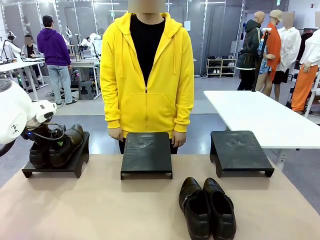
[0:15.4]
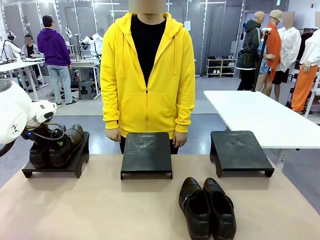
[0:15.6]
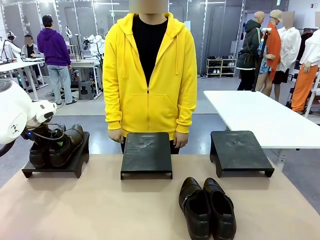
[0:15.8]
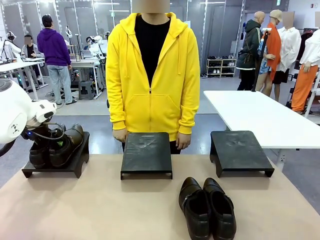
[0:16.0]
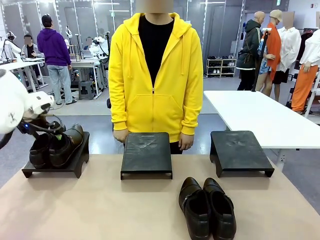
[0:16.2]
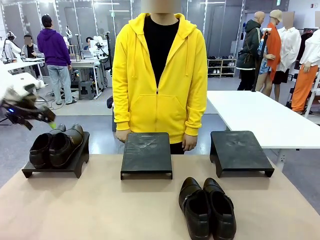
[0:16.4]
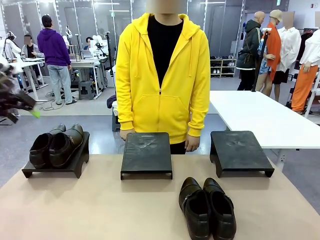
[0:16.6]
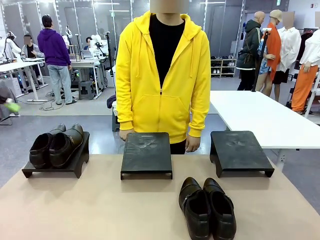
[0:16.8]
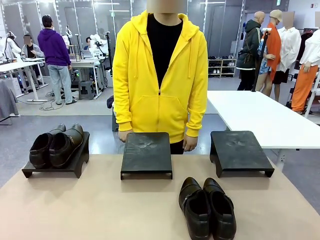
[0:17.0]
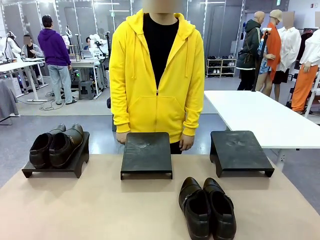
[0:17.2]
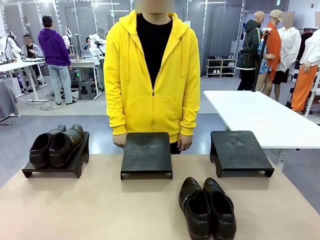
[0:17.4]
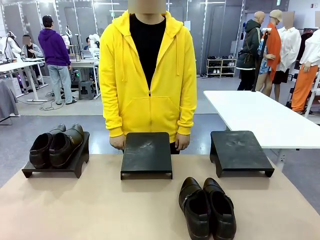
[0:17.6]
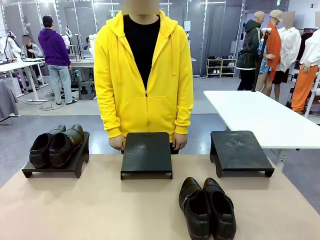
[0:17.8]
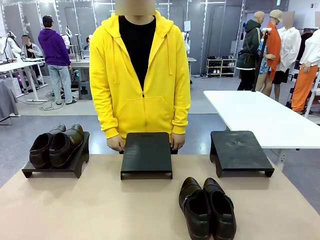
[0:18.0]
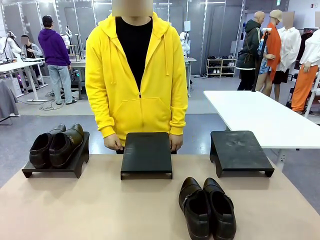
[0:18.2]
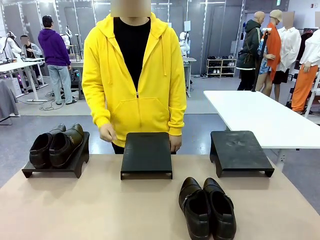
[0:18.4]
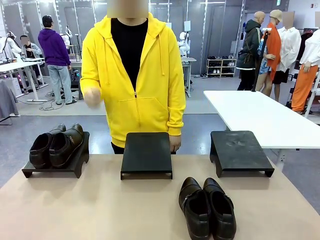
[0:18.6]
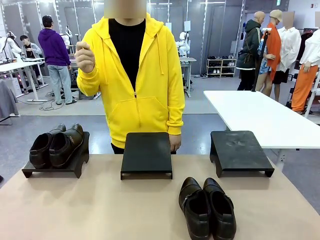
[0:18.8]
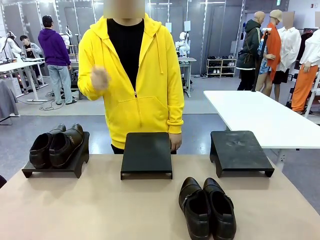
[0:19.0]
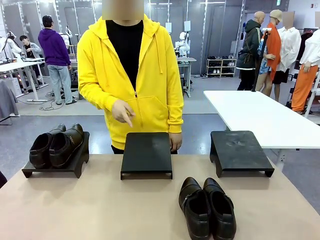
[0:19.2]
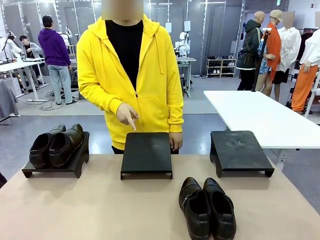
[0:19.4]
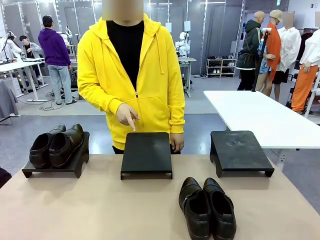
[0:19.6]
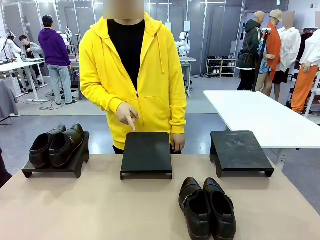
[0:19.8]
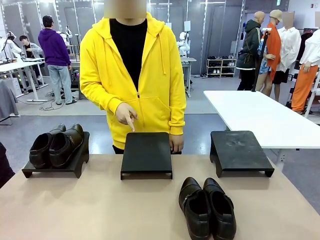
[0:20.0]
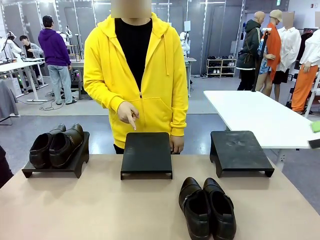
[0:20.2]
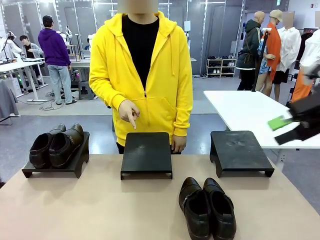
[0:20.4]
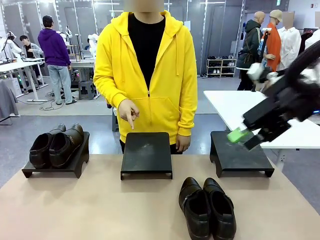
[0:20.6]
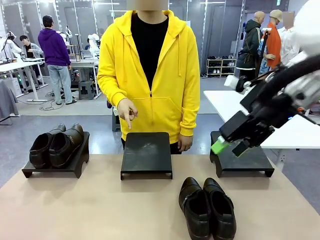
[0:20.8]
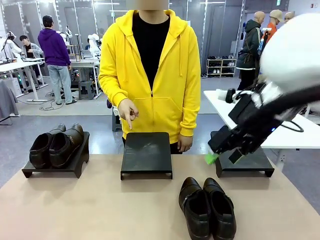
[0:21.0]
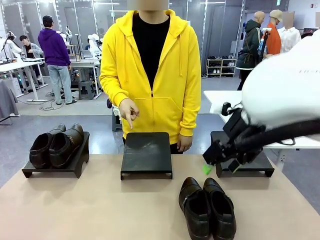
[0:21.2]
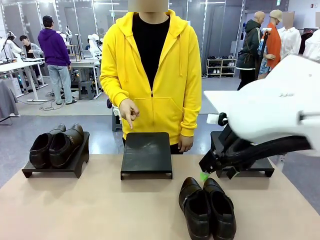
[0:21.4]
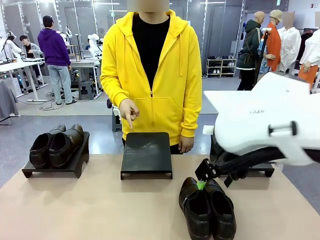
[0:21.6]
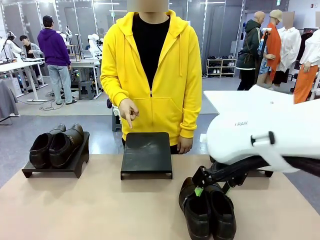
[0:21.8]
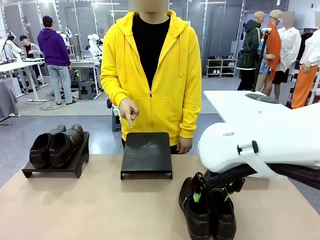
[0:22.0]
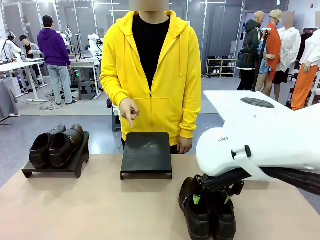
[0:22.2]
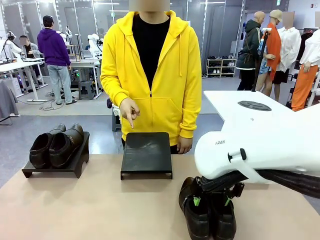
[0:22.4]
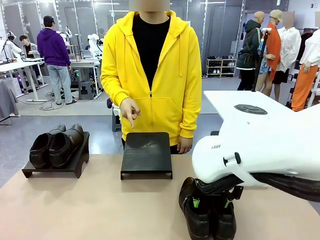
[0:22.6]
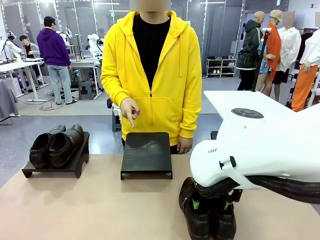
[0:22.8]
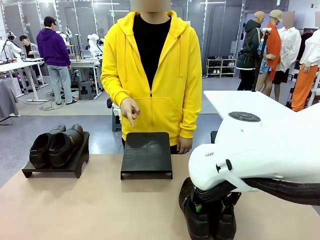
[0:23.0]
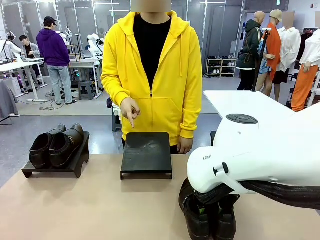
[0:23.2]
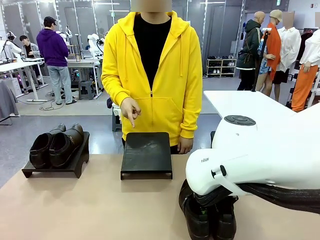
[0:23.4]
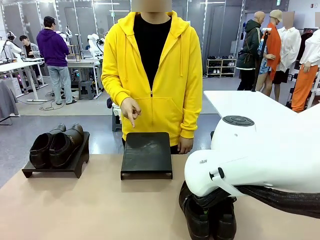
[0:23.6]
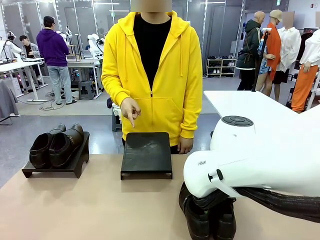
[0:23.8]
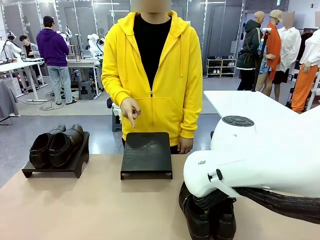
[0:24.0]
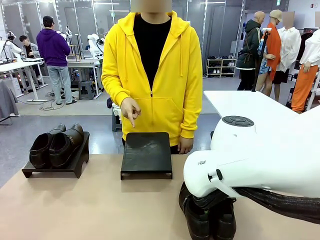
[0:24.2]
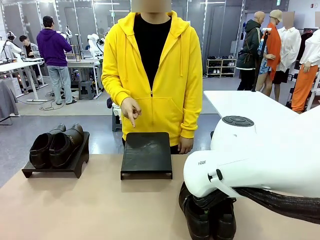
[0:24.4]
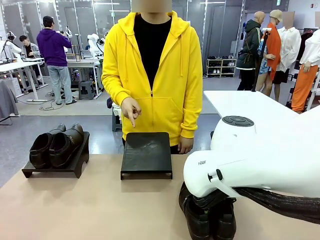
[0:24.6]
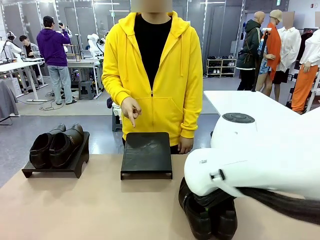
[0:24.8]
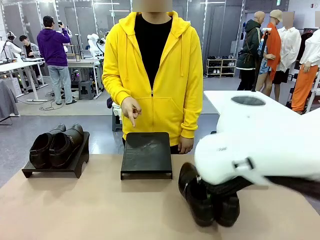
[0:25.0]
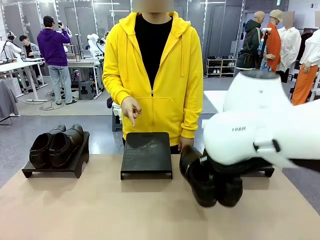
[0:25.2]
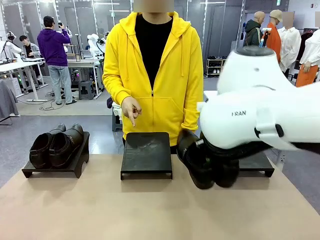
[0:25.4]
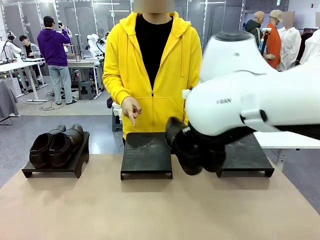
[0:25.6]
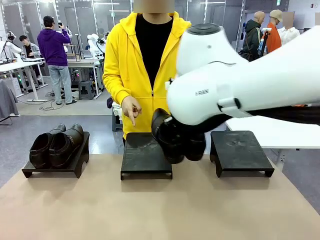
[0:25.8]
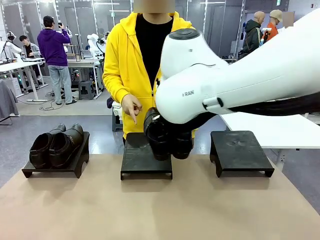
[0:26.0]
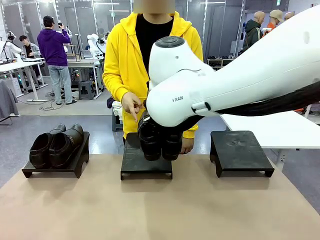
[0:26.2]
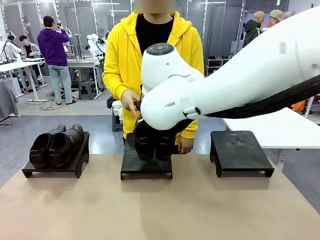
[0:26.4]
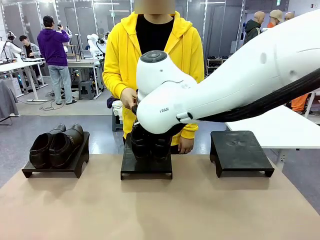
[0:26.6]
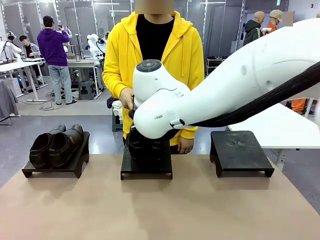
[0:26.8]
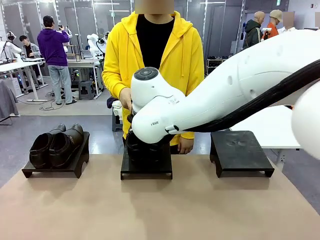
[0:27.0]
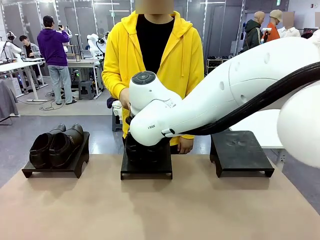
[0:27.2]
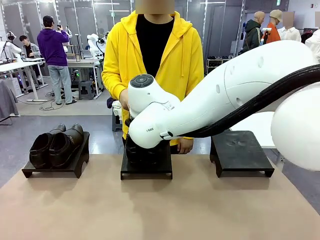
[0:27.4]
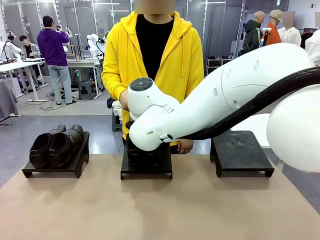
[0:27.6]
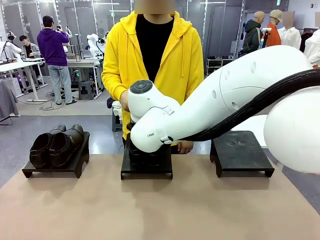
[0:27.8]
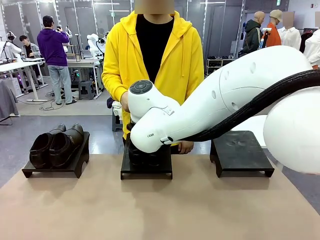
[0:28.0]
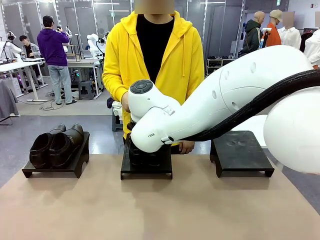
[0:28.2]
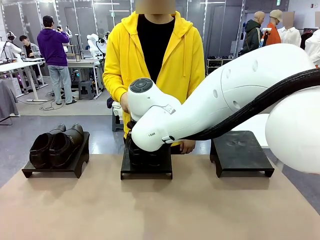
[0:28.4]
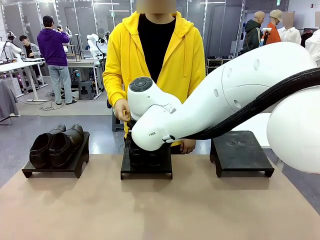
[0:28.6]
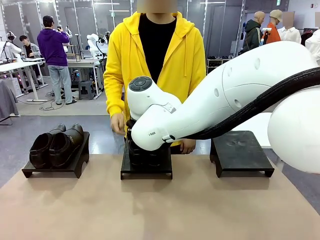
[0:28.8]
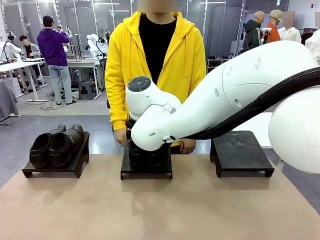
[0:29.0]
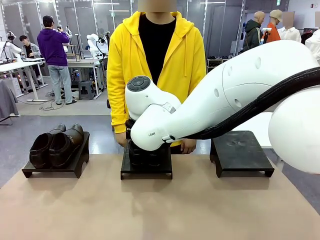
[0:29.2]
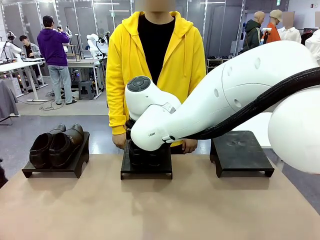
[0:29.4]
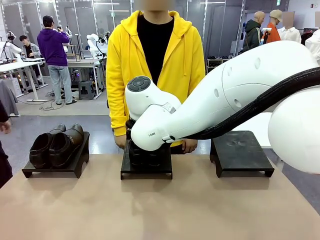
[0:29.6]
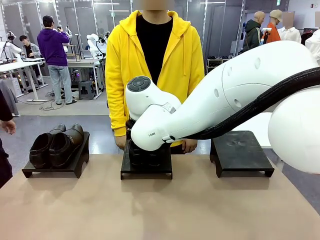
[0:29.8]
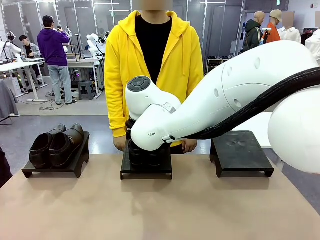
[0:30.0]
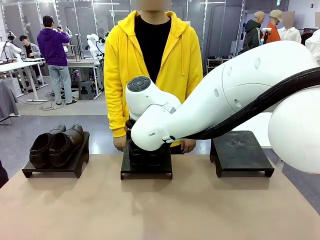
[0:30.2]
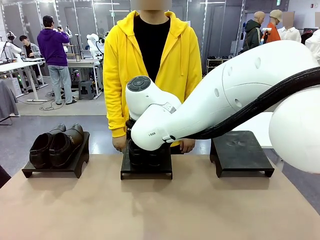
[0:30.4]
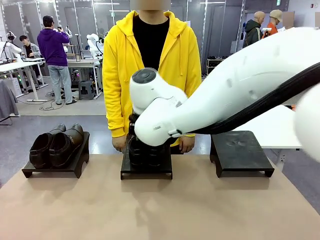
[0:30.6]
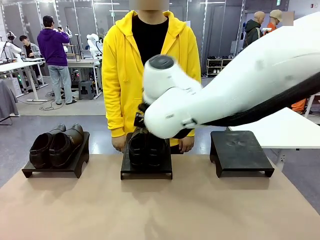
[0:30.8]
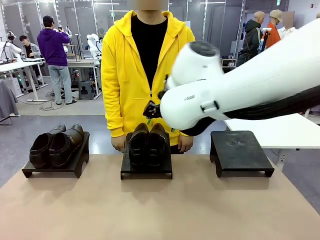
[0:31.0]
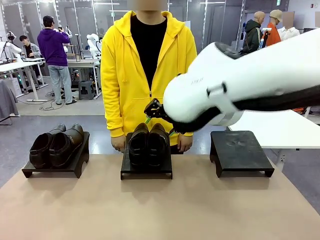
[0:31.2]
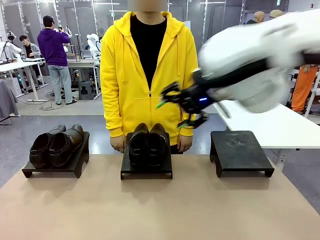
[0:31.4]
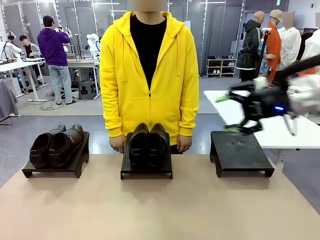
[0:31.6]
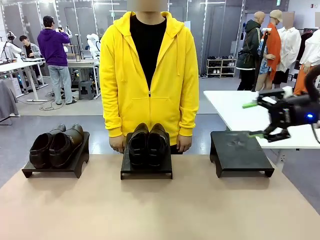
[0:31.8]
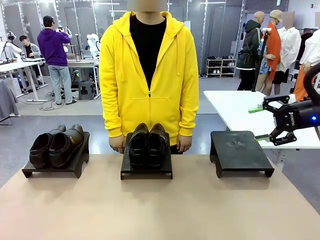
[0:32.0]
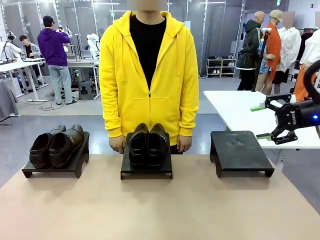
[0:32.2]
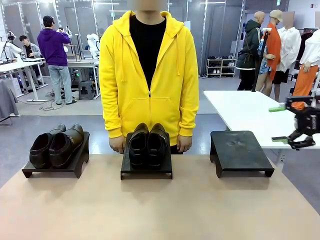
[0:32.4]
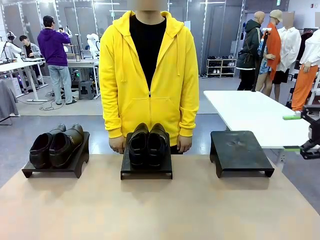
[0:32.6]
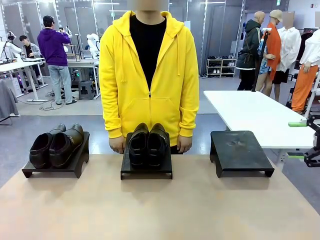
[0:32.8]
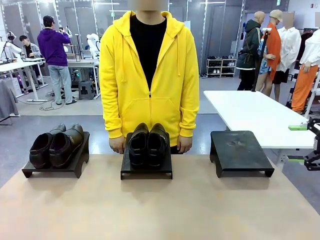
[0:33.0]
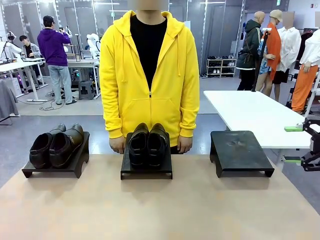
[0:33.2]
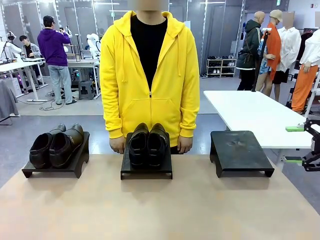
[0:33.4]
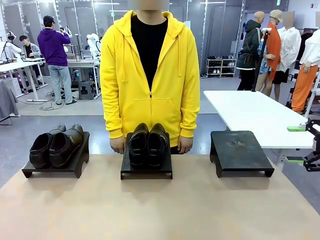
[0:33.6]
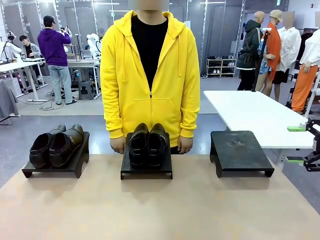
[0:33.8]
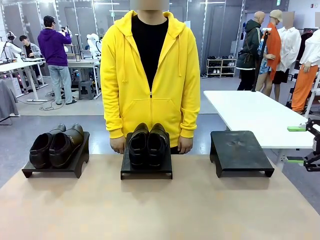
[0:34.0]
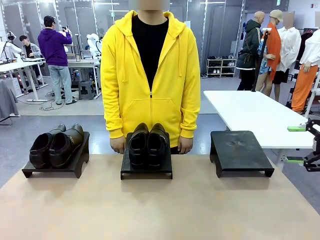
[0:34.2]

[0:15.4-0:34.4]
Task: Place the shoes on the stand as instructed by the person.
Robot: Pick up another pair of Shoes and place it on the Shoes Stand indicated by the person.
Person: Point to one Shoes Stand.
